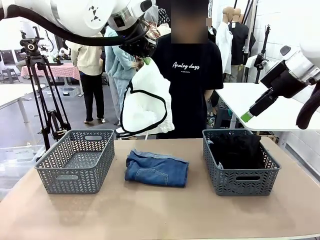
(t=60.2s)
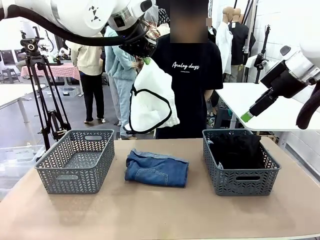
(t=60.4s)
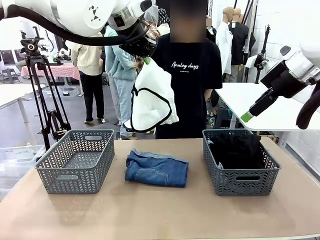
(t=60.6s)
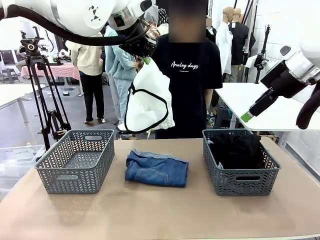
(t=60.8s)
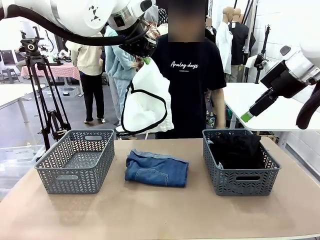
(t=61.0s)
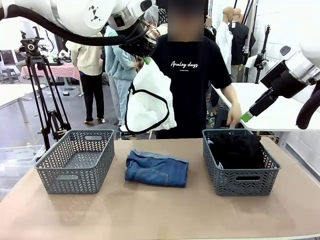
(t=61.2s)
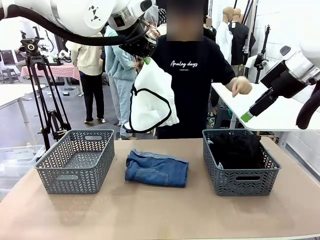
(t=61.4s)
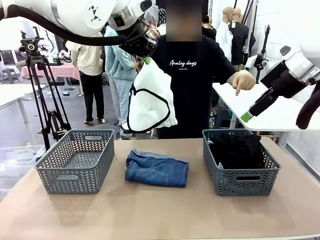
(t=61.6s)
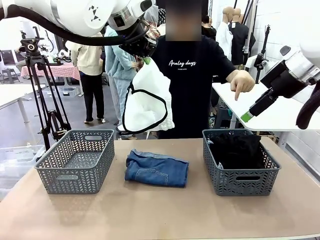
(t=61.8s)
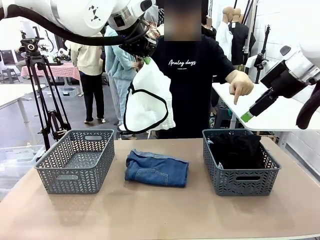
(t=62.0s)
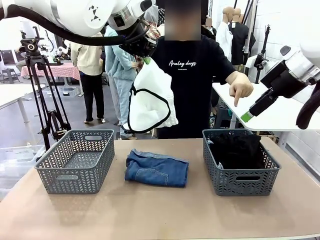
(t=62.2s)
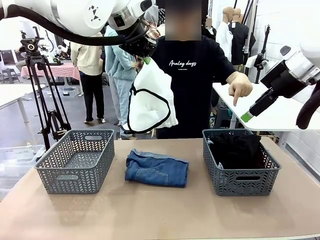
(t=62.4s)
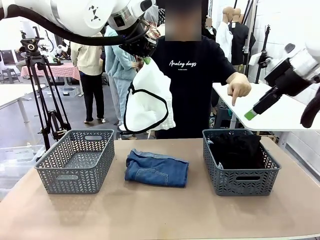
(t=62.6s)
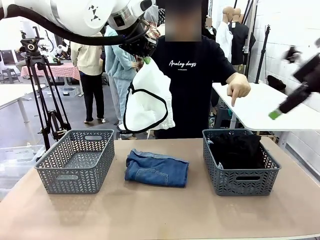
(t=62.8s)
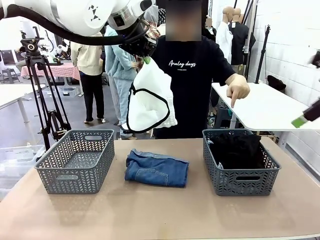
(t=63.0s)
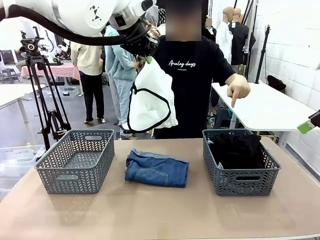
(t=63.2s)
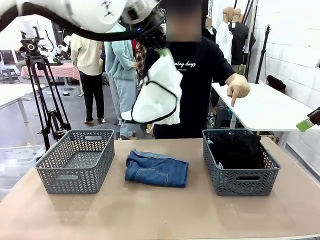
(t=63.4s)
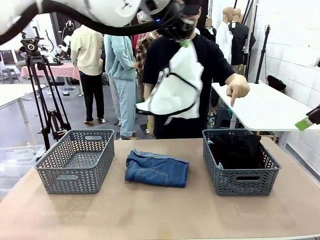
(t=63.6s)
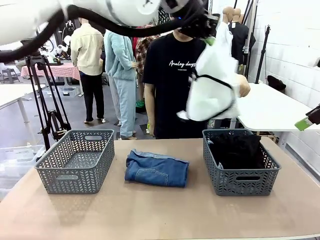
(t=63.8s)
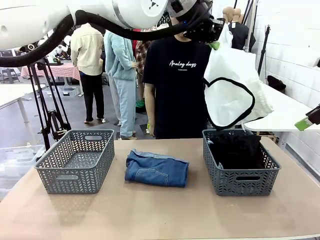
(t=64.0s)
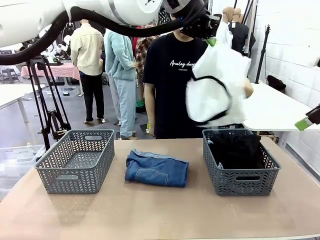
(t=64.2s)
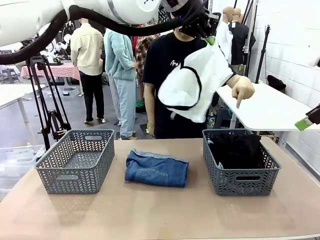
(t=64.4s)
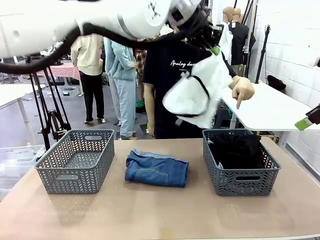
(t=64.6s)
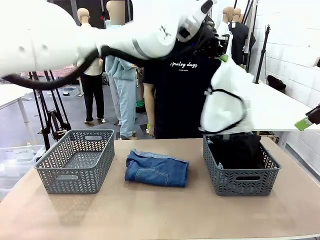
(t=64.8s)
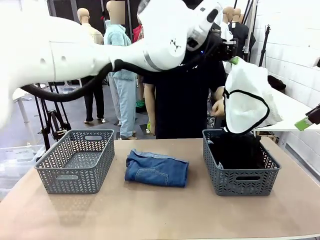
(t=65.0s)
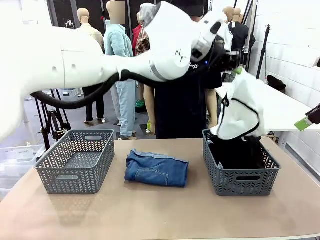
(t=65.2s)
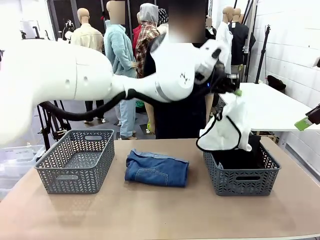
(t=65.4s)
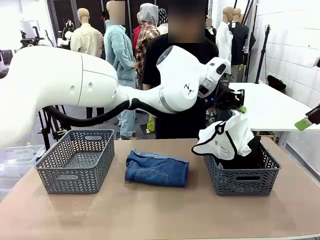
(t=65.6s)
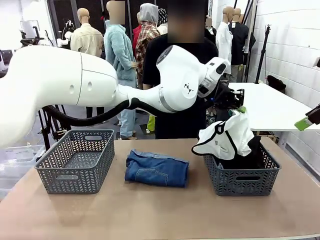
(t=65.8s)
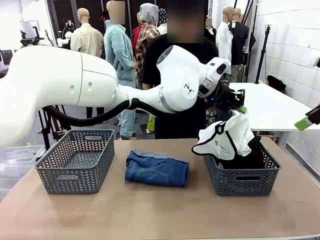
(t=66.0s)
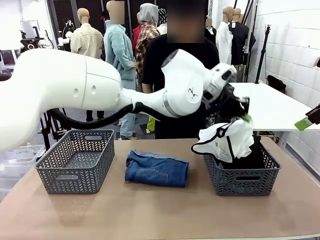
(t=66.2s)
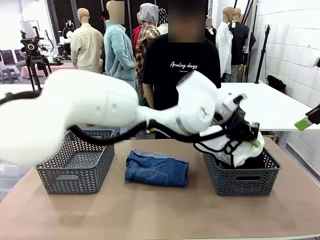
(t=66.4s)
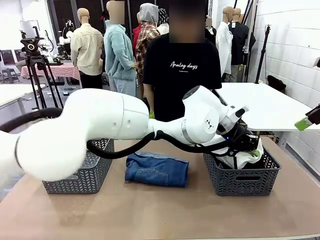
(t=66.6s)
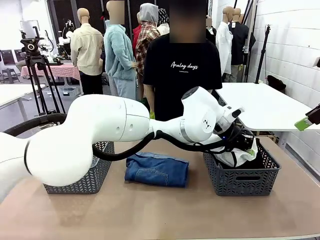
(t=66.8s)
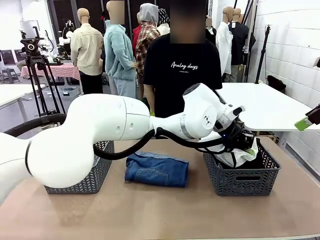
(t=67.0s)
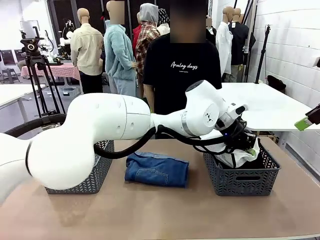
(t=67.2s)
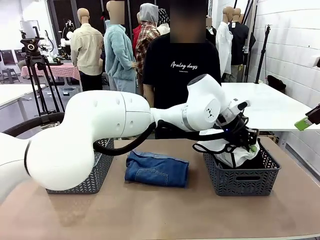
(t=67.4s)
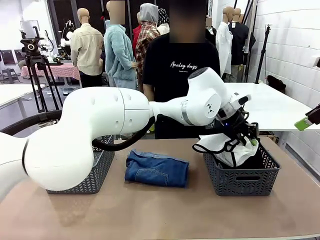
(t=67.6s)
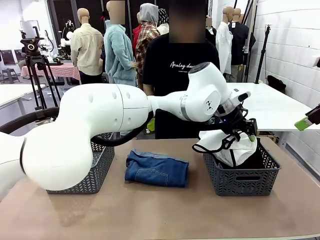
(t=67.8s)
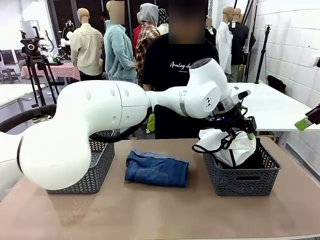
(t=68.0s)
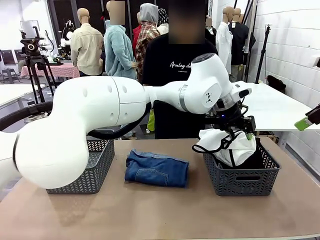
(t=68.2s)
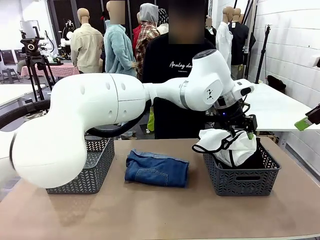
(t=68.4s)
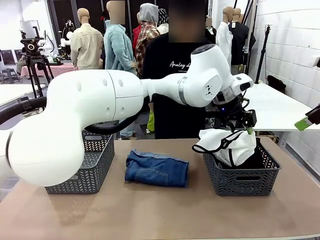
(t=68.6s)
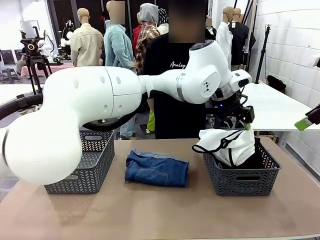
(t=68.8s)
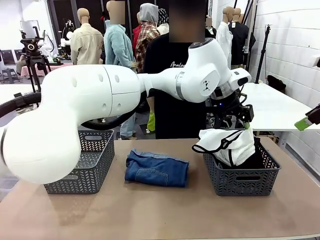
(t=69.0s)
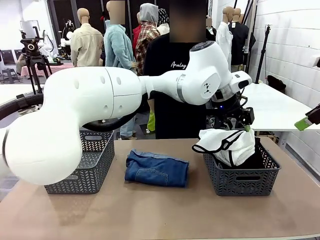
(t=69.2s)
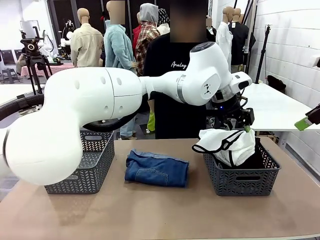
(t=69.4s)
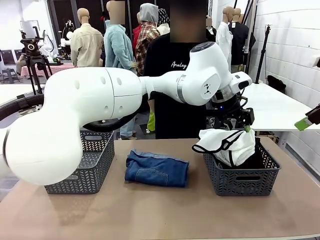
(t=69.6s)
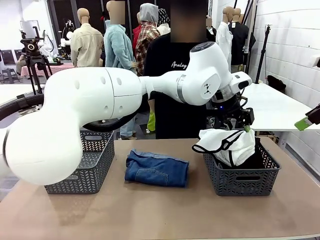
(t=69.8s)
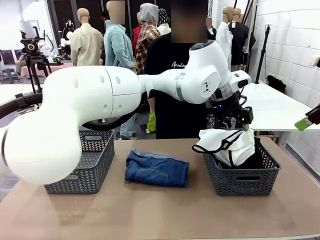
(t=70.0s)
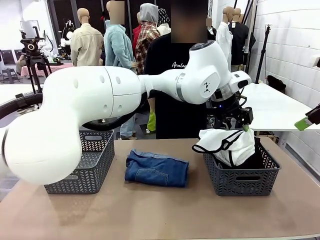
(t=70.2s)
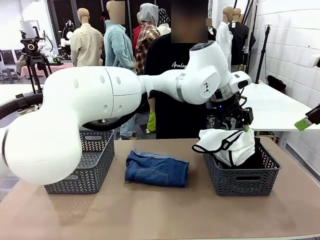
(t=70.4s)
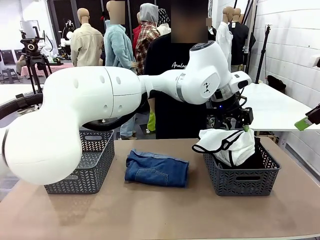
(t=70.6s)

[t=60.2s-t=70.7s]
Task: Sort the tops and bottoms.
Robot: Sort the clothes according to human instructions.

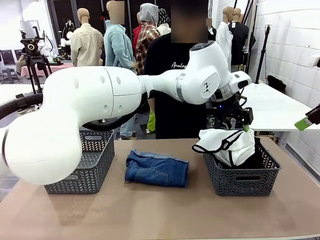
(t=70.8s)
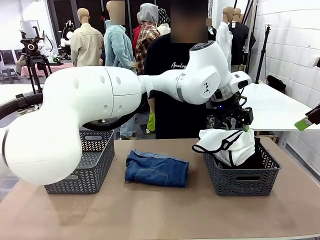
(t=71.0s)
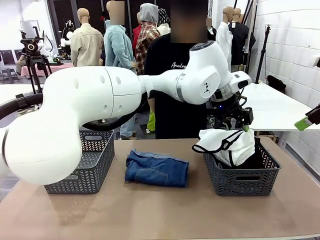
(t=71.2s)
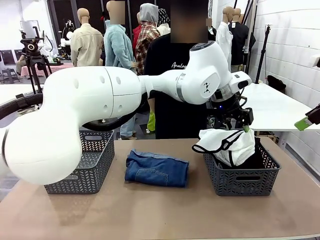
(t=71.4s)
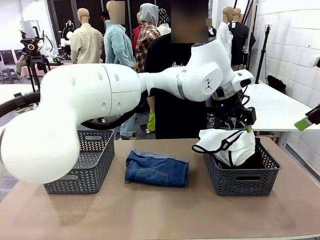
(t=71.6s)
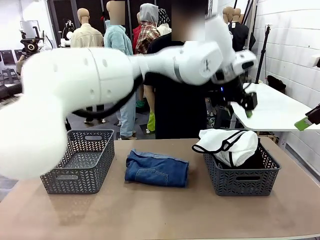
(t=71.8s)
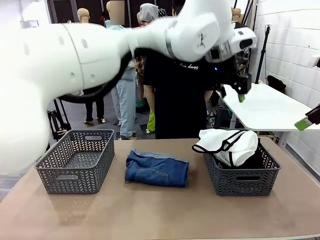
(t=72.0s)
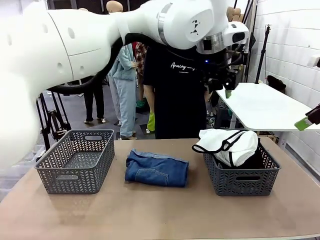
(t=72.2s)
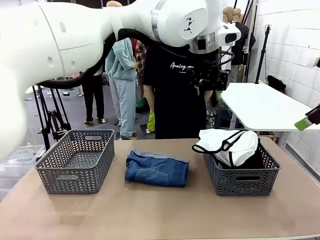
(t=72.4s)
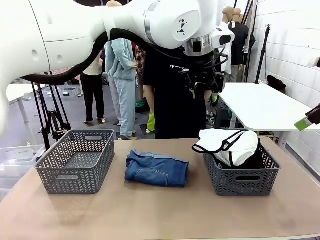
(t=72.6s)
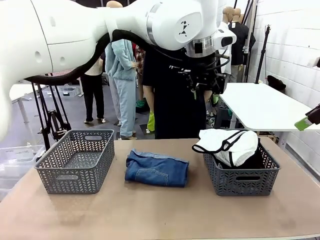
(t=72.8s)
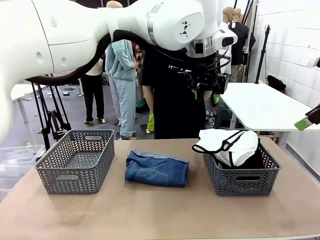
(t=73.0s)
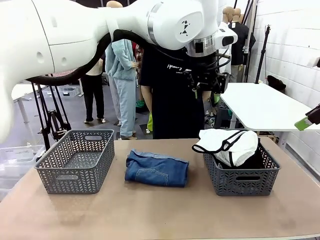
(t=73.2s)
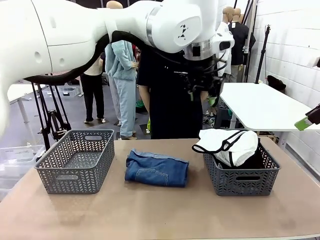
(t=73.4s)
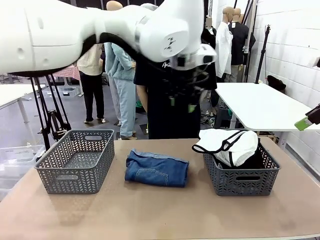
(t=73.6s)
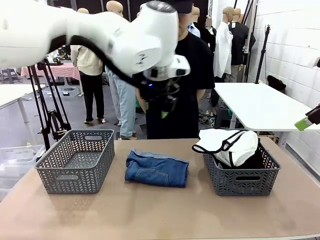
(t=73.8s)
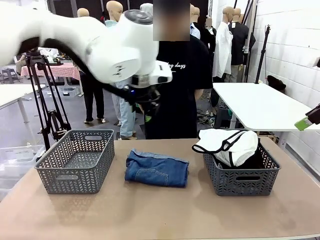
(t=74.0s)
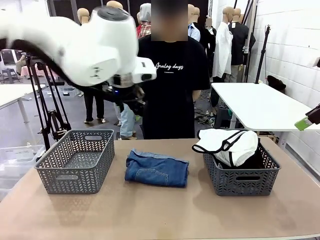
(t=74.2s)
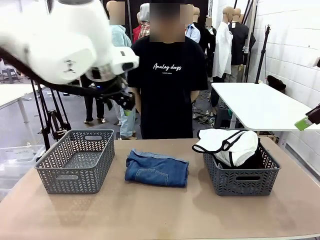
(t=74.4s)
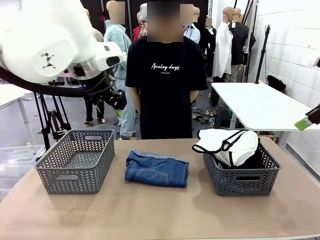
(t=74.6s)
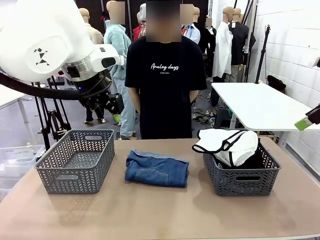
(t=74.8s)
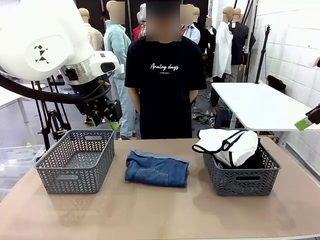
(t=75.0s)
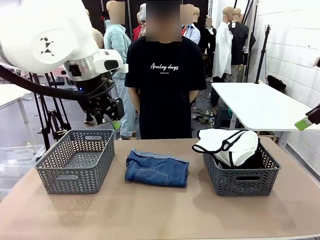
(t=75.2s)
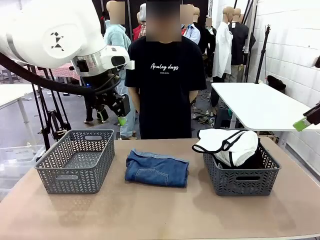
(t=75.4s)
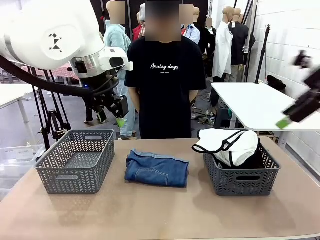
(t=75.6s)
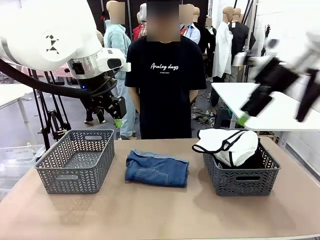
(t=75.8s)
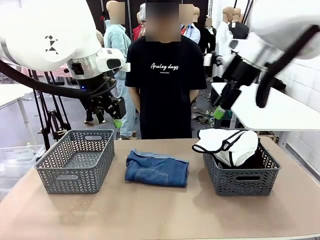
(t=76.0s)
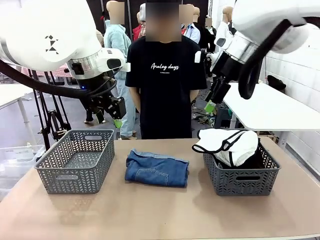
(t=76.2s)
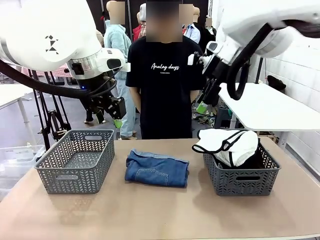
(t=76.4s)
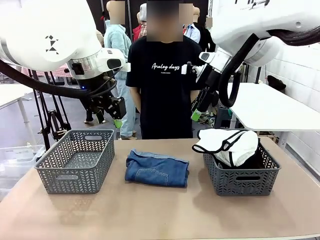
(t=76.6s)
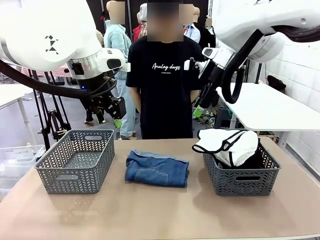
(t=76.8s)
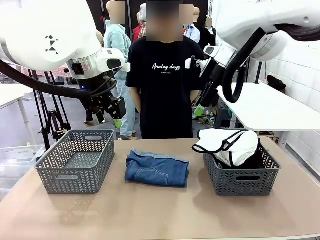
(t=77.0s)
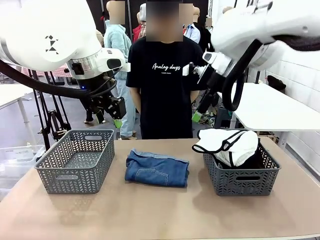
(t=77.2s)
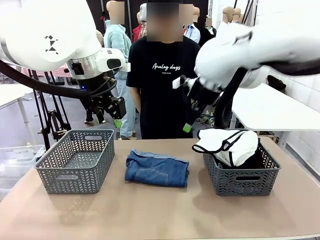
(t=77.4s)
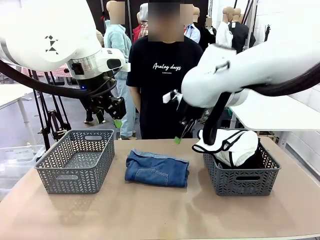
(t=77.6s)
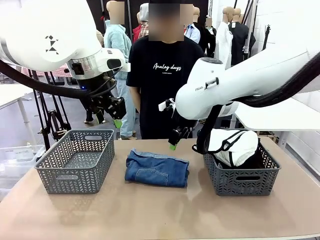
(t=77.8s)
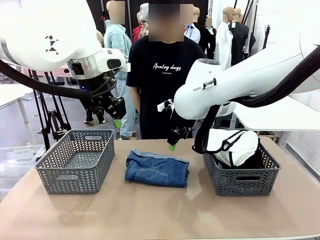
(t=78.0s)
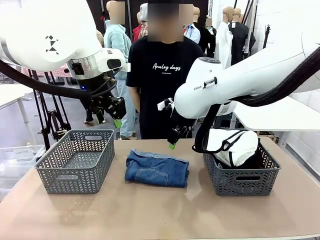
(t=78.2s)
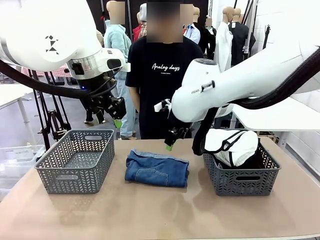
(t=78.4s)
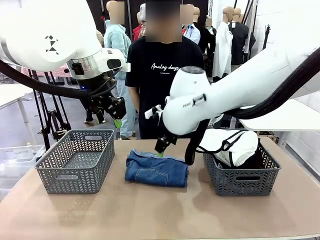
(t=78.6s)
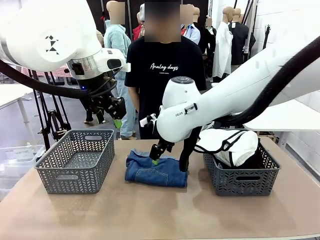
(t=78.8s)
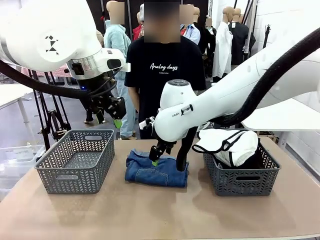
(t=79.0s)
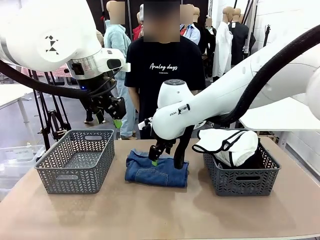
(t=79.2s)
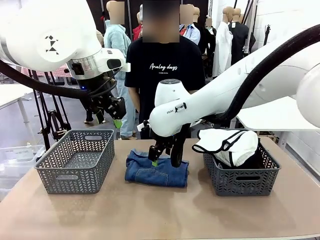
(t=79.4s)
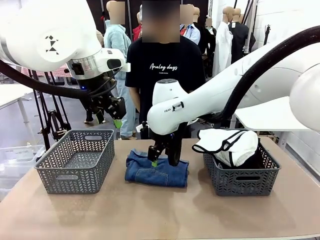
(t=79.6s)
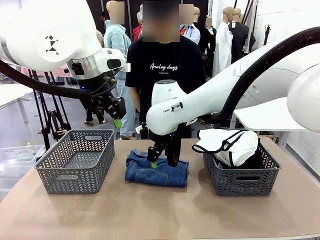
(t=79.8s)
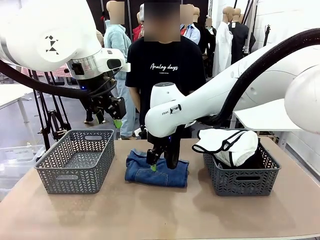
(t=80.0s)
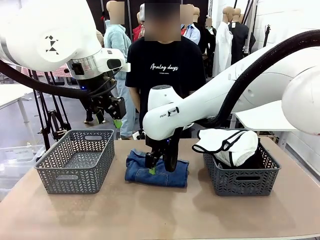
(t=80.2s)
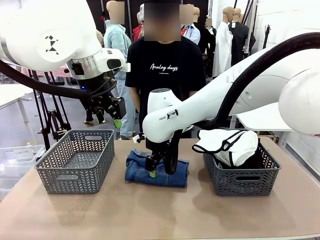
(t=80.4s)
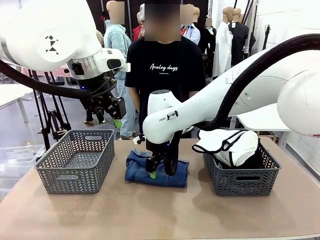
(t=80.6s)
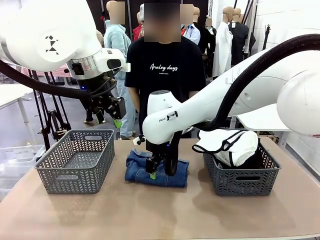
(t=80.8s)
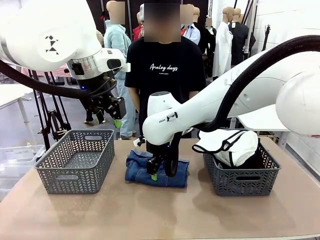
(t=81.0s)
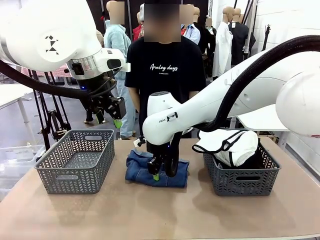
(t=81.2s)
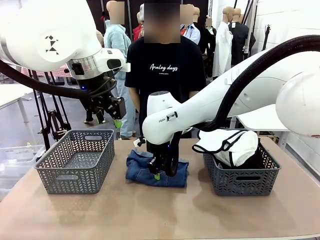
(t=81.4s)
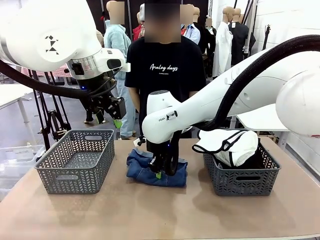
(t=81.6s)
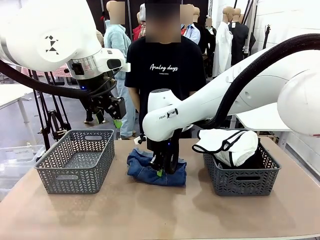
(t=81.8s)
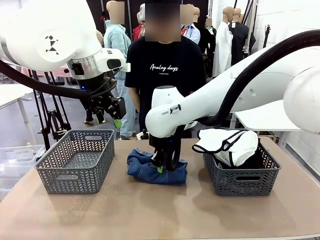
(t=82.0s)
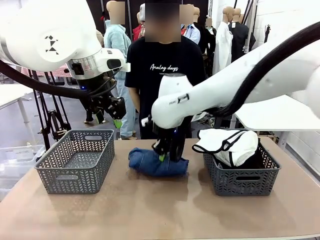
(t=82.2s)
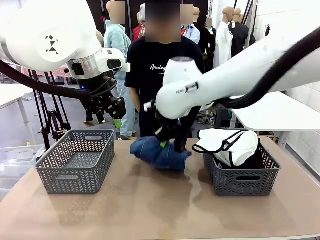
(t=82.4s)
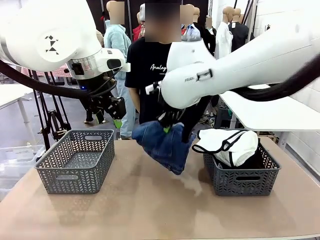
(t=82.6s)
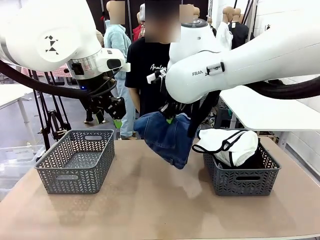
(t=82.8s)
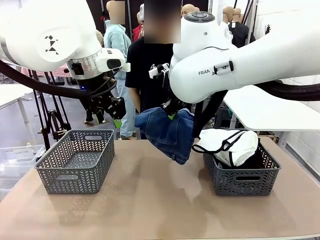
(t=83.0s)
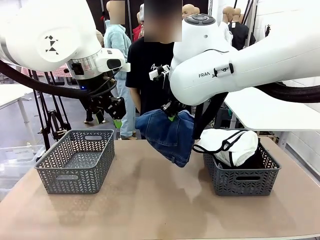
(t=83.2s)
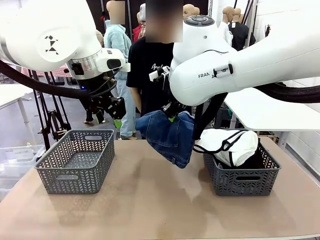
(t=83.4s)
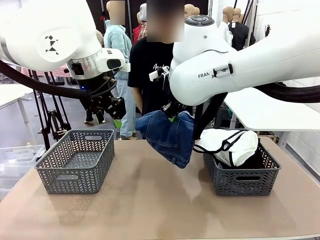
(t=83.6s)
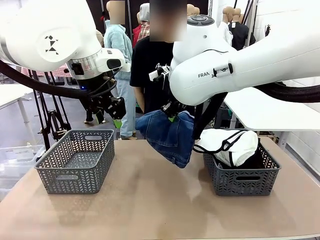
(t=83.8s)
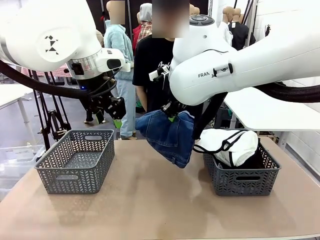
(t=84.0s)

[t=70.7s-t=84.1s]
Robot: Lift clothes from the center of the table with your right hand.
